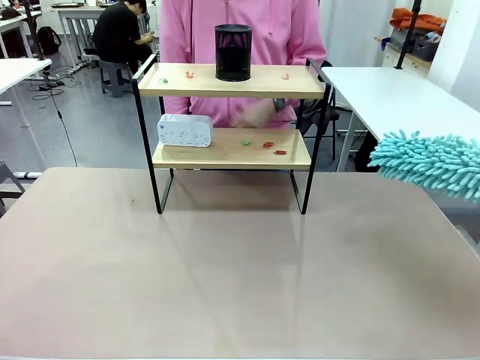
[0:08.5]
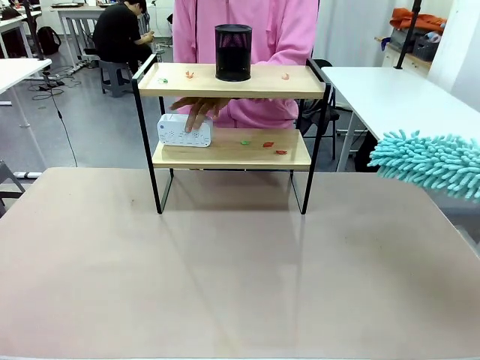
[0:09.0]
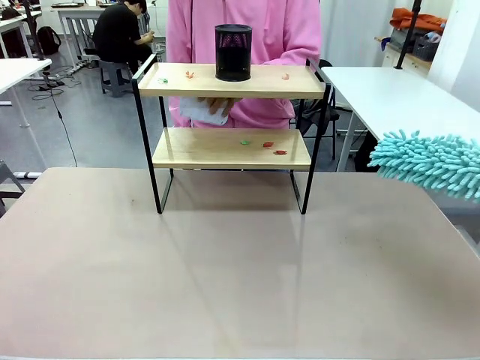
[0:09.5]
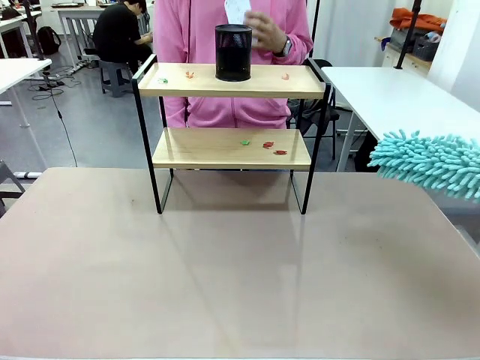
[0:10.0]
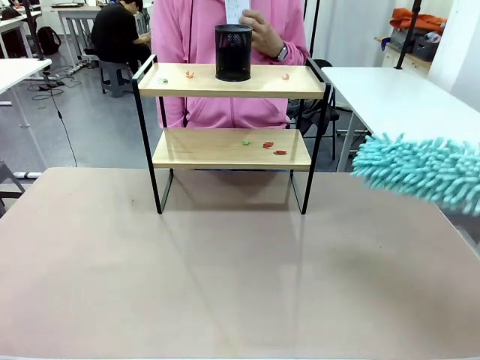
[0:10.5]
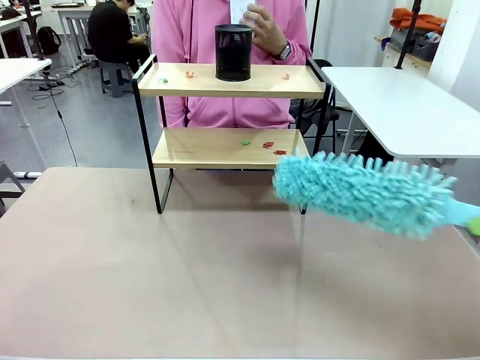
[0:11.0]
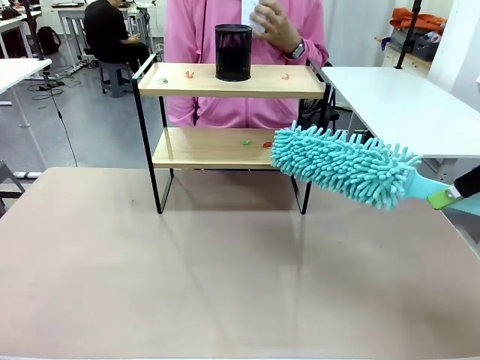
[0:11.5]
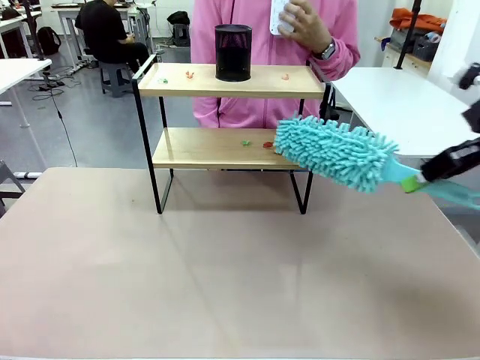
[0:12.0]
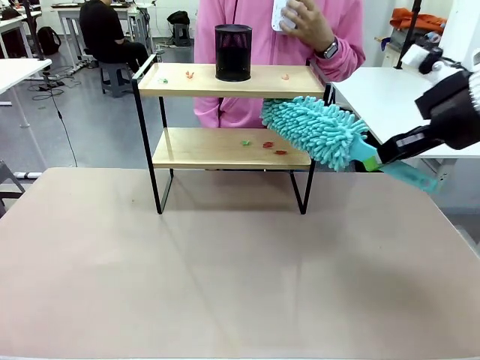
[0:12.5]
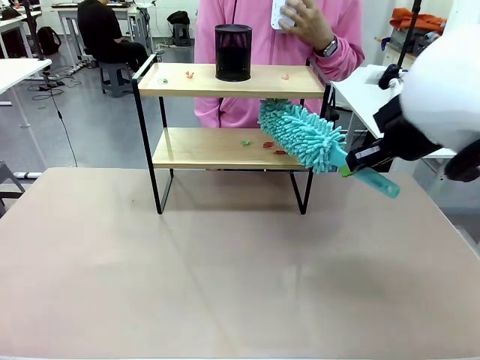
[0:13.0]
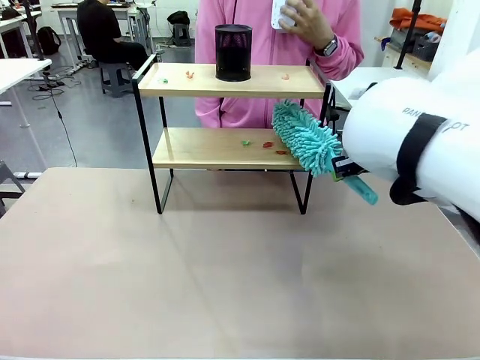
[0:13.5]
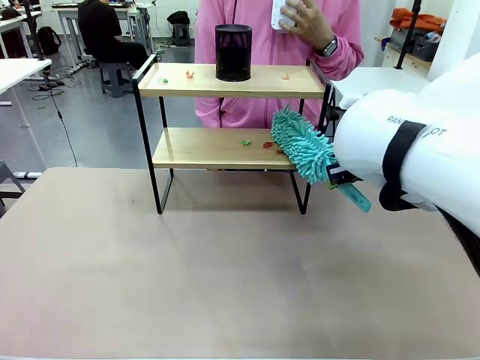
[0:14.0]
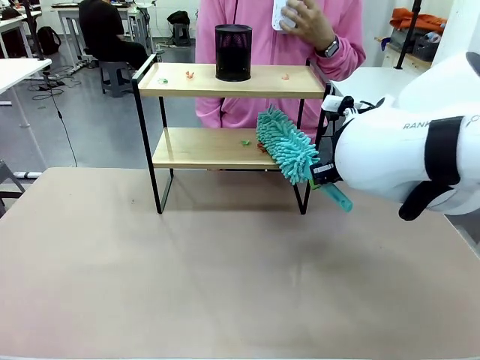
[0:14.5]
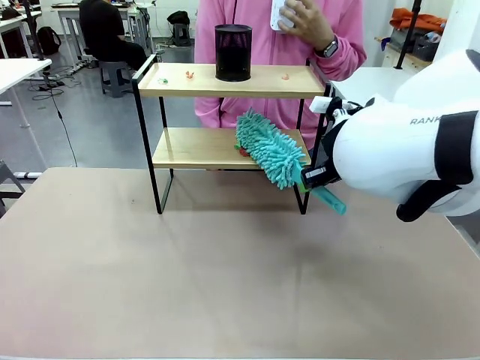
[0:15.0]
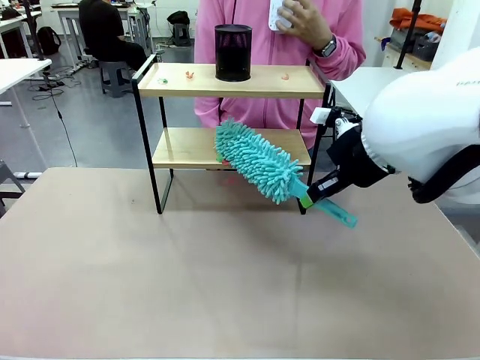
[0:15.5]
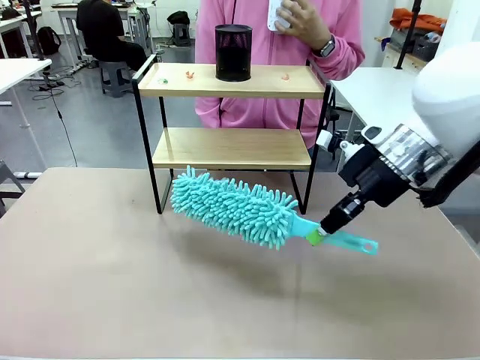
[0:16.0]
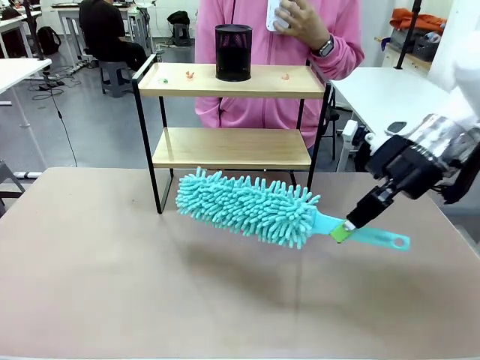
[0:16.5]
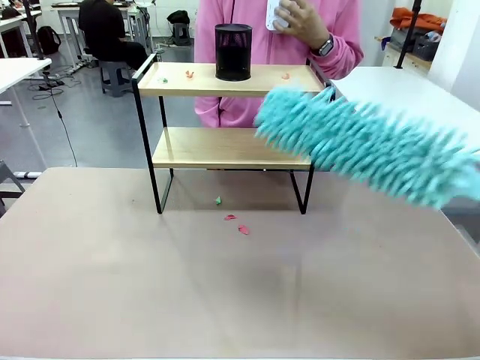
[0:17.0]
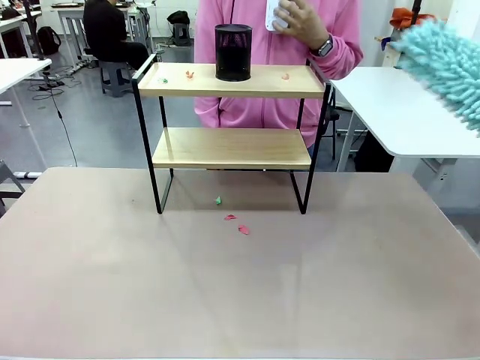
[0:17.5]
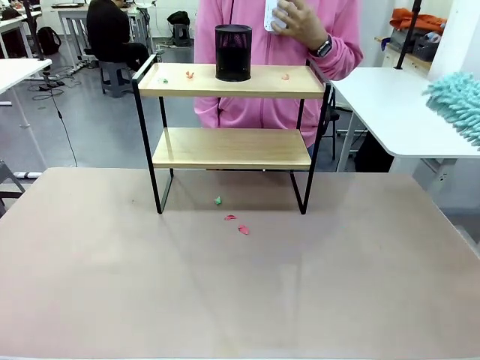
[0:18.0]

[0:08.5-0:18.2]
Task: Clean the shelf.
Robot: Clean the specific tier of the Shelf with the Duster once objects are removed.
Person: Lift the objects on a randomly selected tier of the Shelf. Once the robot finishes cleaning, lift the objects on the remaining tiers of the Shelf.

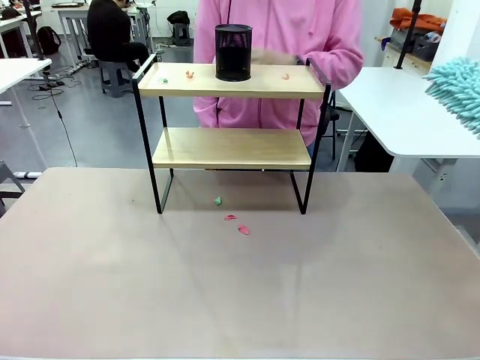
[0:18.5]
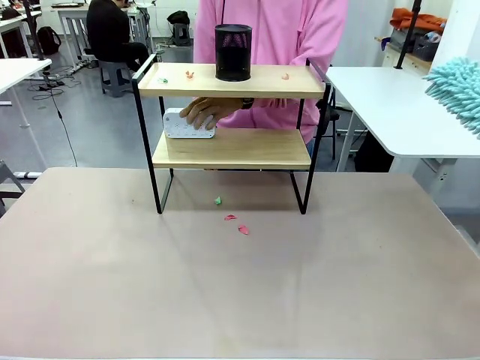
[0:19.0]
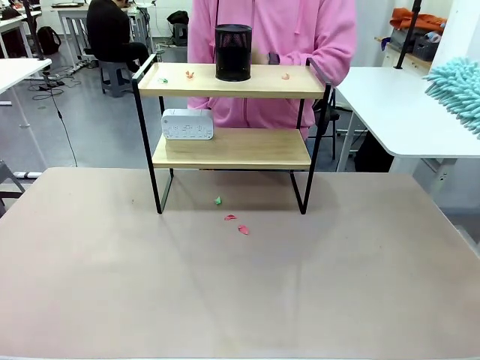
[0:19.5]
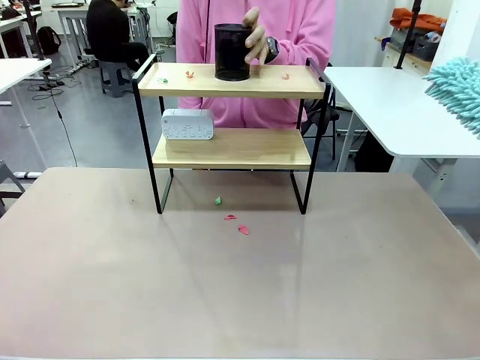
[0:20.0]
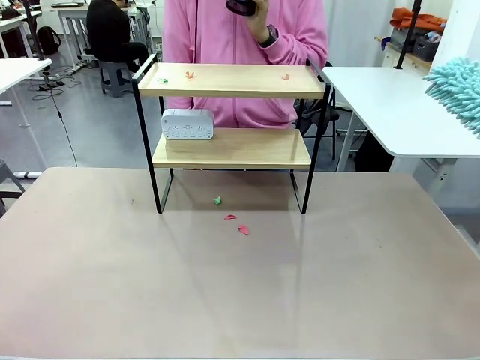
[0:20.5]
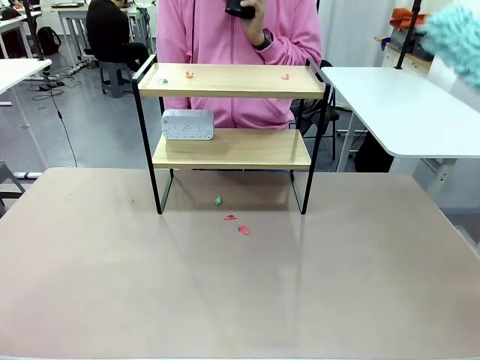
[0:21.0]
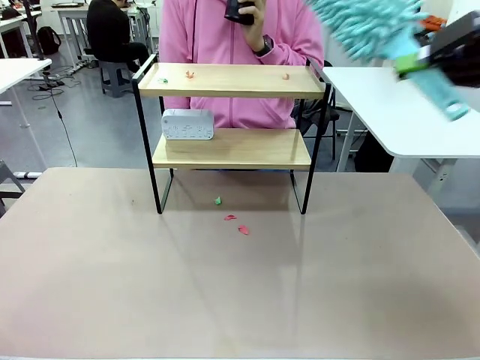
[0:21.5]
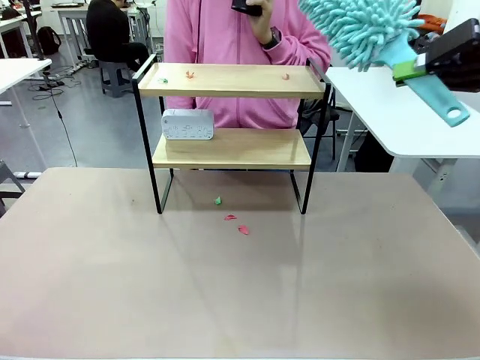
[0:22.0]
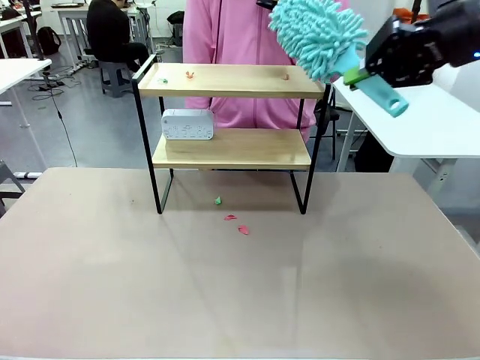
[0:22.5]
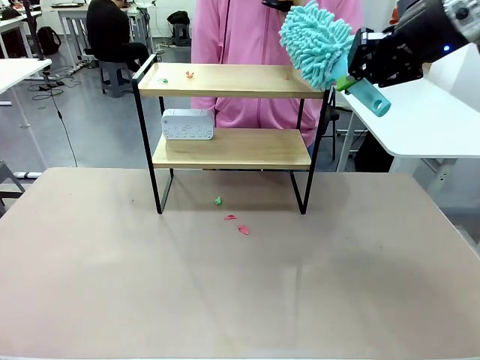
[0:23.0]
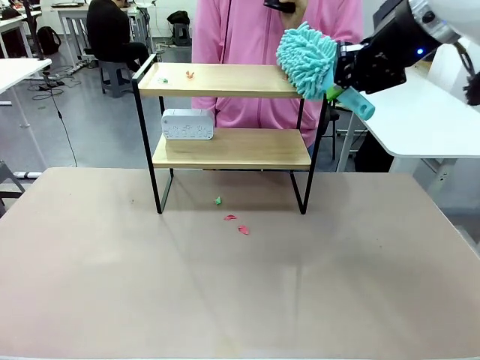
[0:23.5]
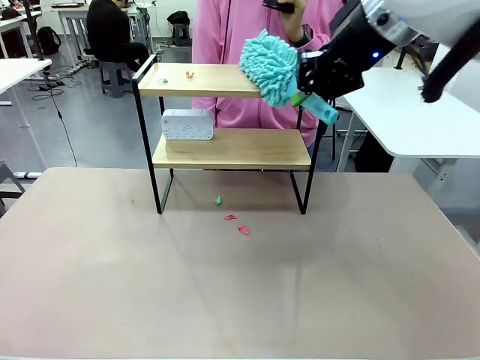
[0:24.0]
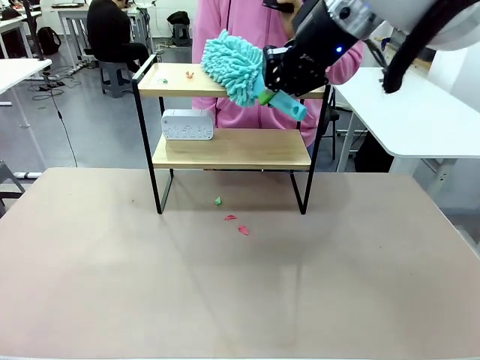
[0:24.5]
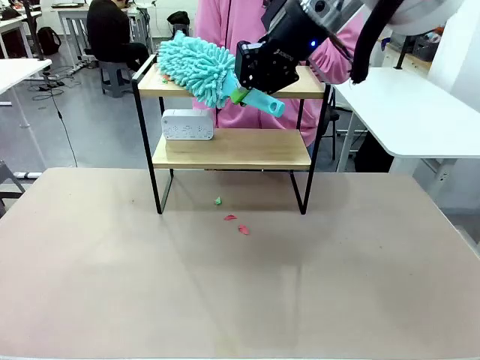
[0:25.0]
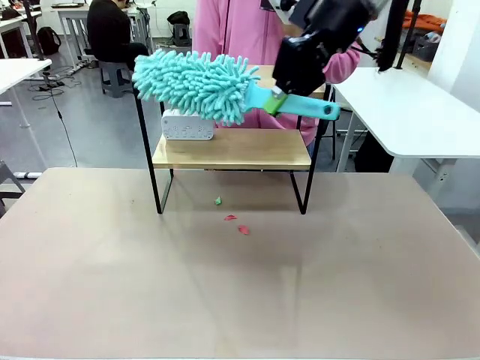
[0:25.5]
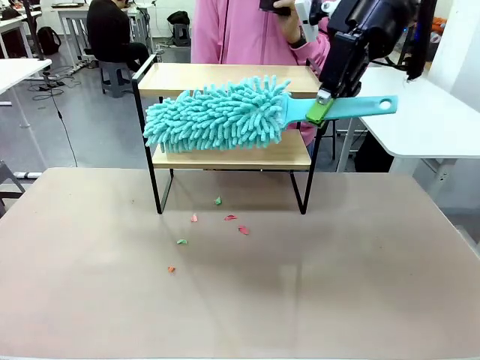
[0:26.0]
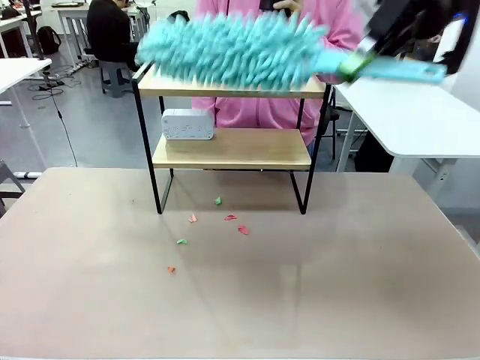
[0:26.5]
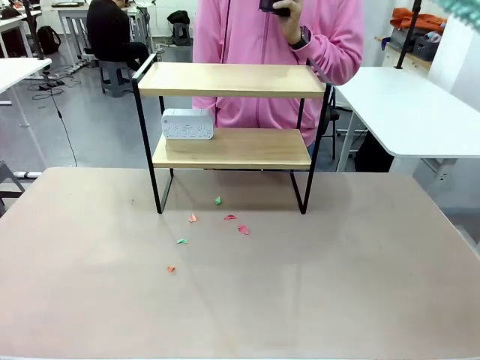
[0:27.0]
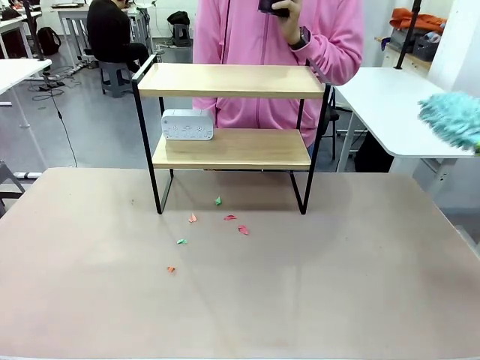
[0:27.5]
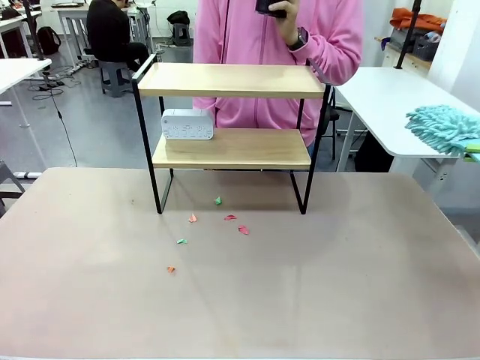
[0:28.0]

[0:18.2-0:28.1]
Robot: Clean the remaining tier of the Shelf with the Duster once objects are removed.

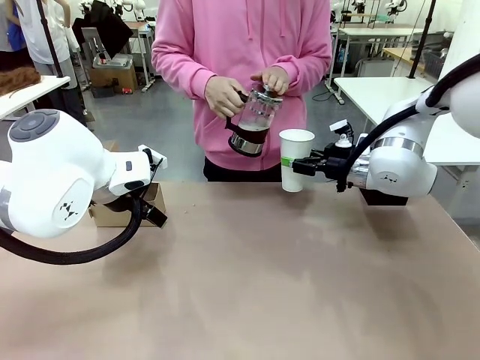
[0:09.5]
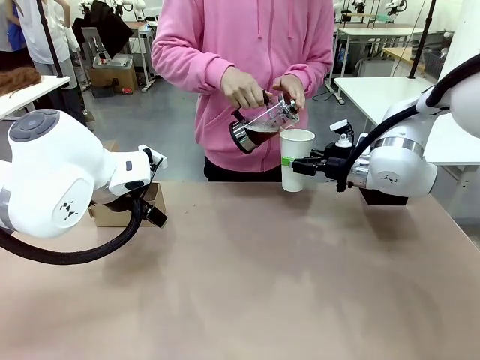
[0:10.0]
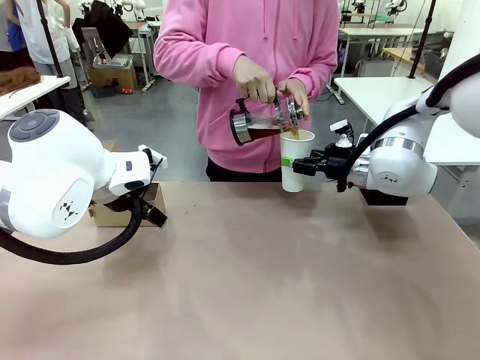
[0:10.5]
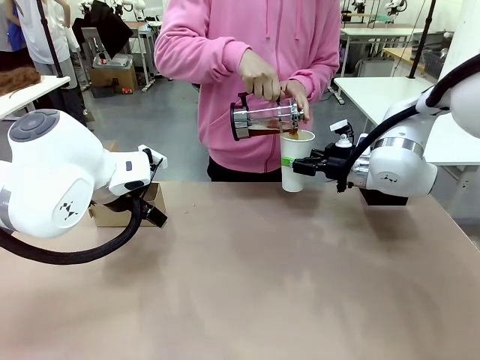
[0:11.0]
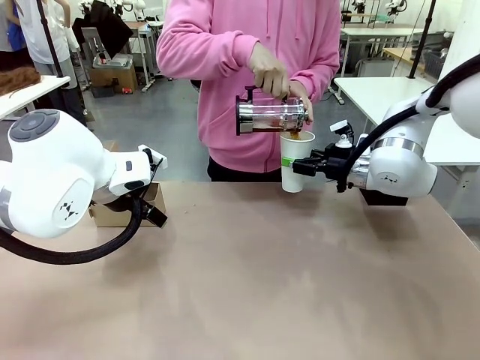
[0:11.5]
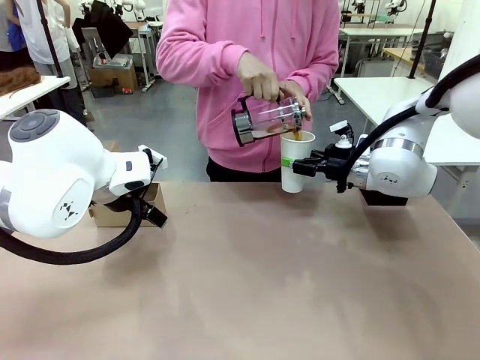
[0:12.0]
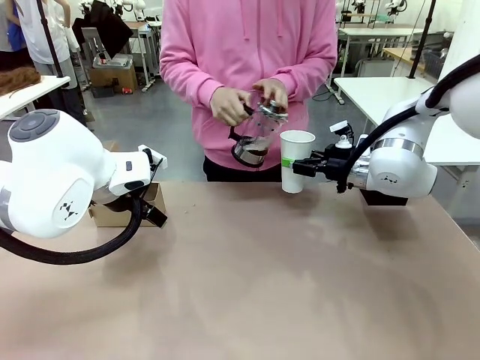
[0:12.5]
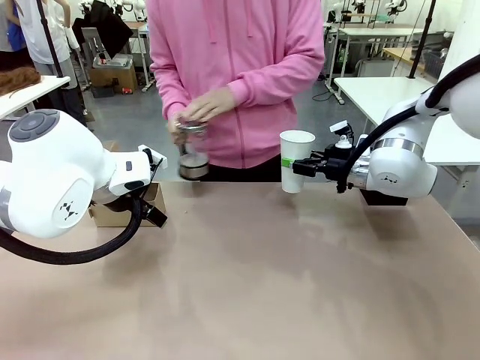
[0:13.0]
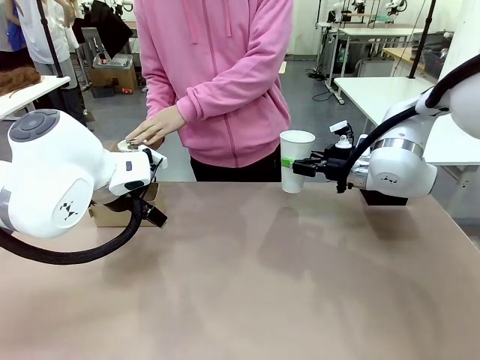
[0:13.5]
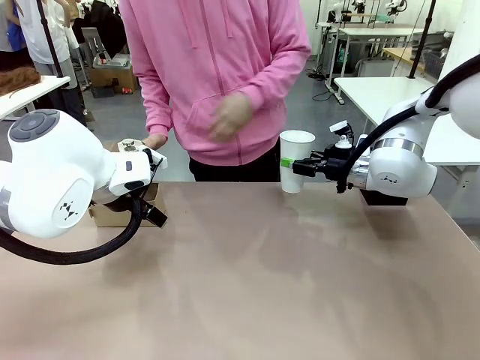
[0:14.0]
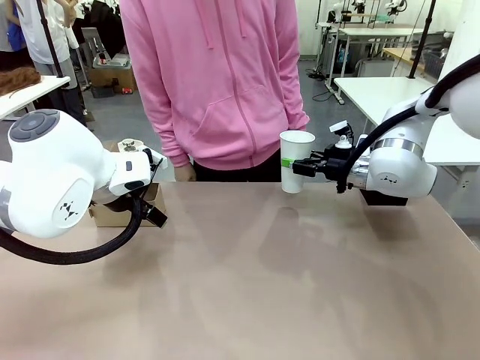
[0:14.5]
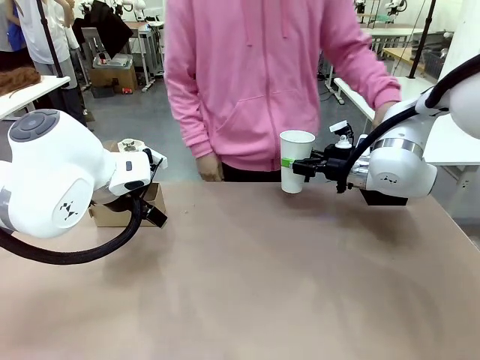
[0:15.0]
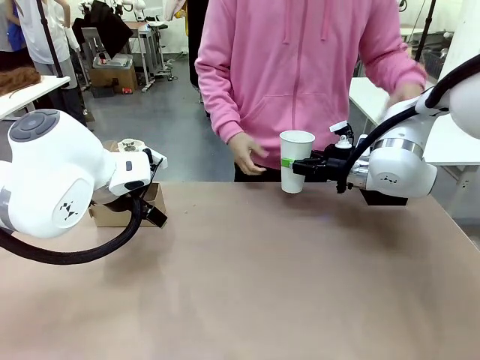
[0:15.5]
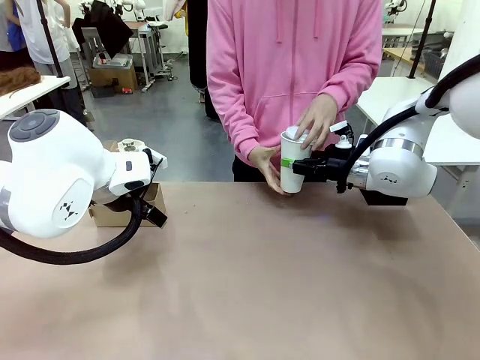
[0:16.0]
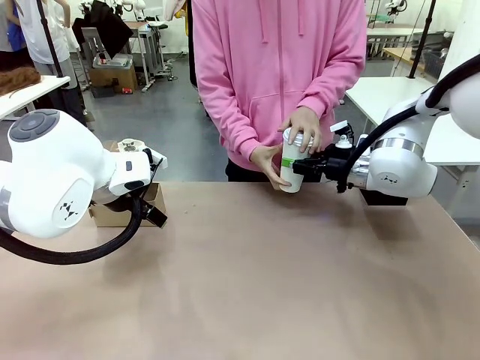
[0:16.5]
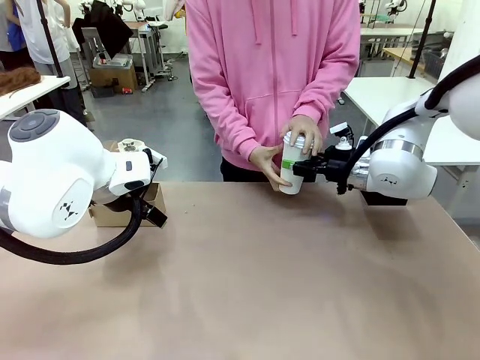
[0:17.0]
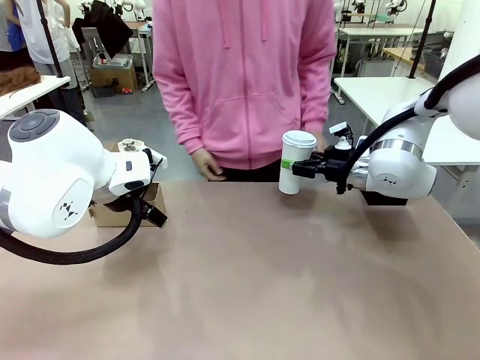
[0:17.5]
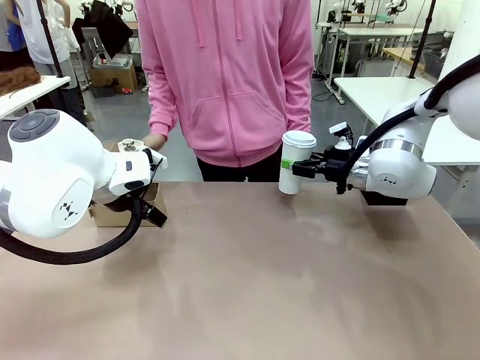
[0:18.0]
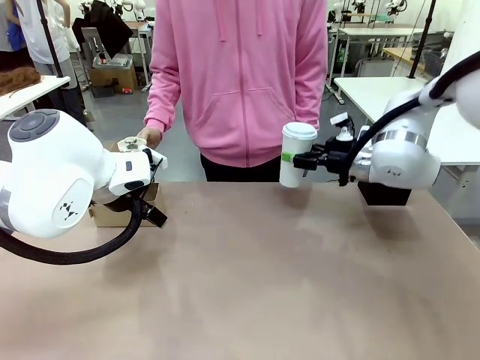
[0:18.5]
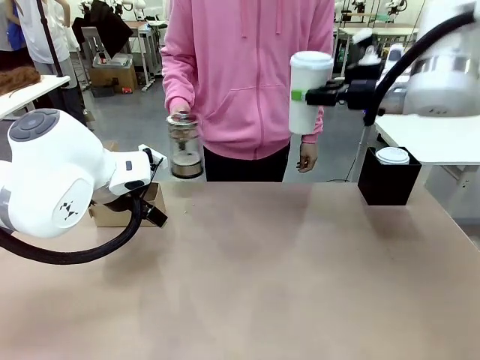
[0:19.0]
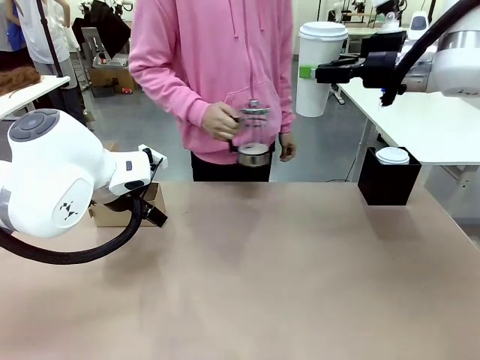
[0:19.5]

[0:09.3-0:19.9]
Task: Pour a drink into a cup and package it in a carrier.
Robot: When a person places the Paper Cup Lid on the 600 ml Paper Cup , lift the 600 ml Paper Cup.
Person: Pour the drink from the Filter Brewing into the 600 ml Paper Cup. Place a Paper Cup Lid on the 600 ml Paper Cup.
